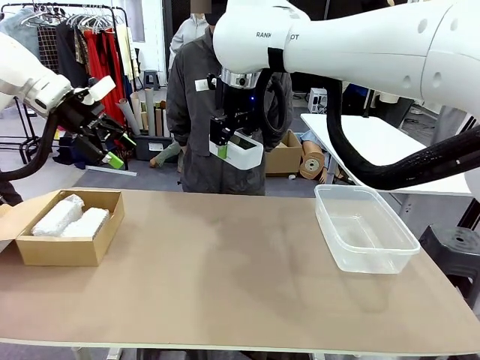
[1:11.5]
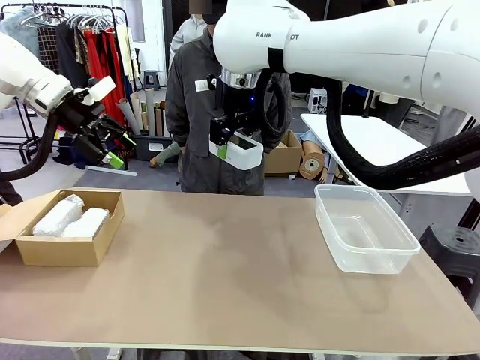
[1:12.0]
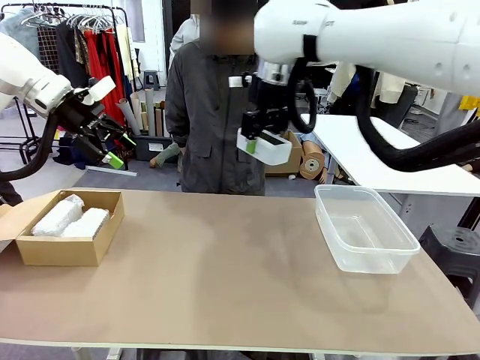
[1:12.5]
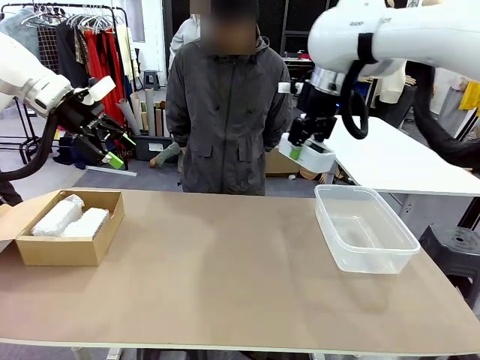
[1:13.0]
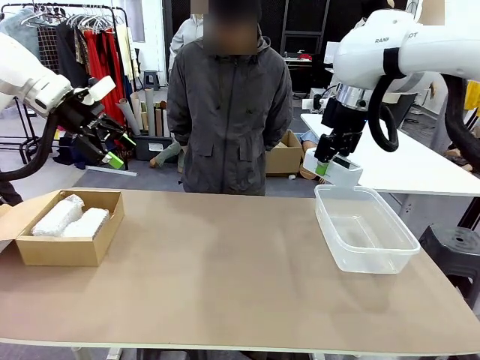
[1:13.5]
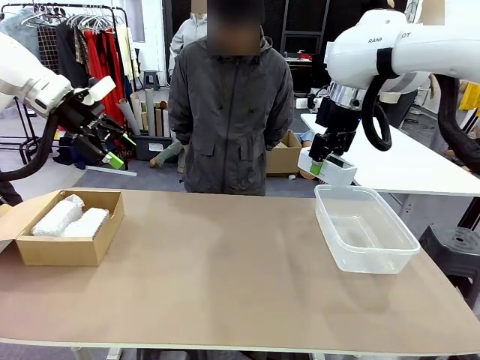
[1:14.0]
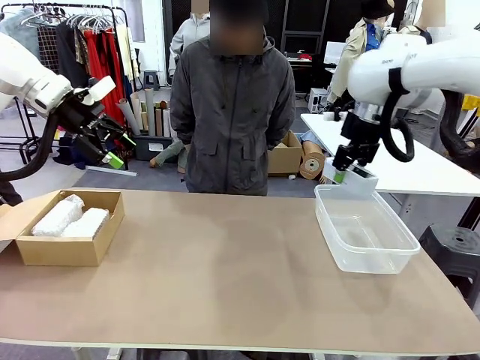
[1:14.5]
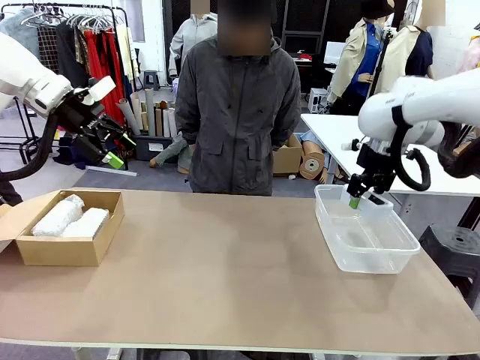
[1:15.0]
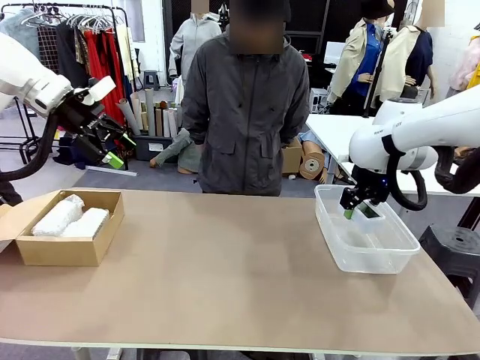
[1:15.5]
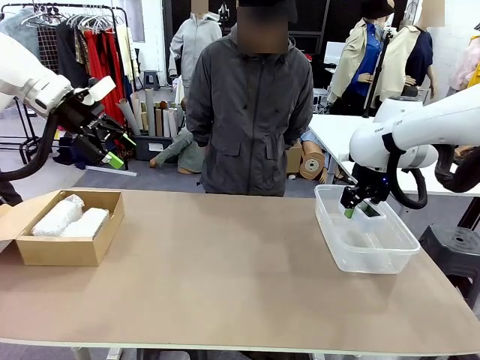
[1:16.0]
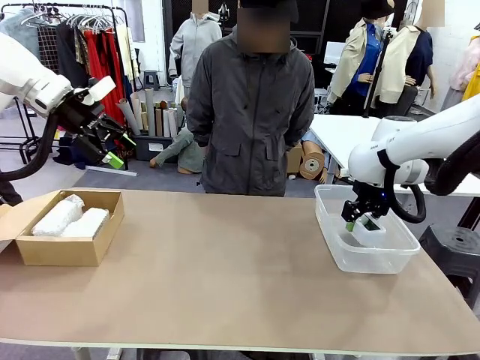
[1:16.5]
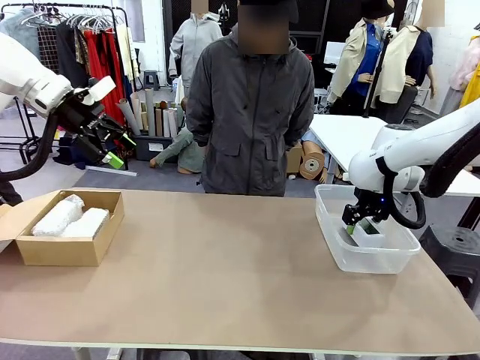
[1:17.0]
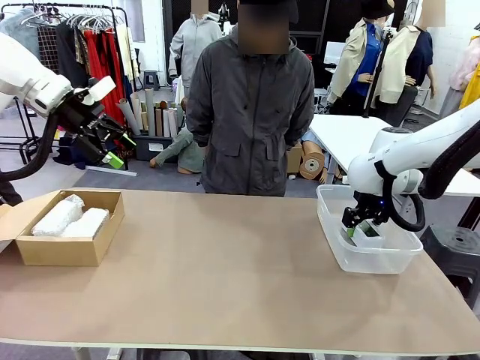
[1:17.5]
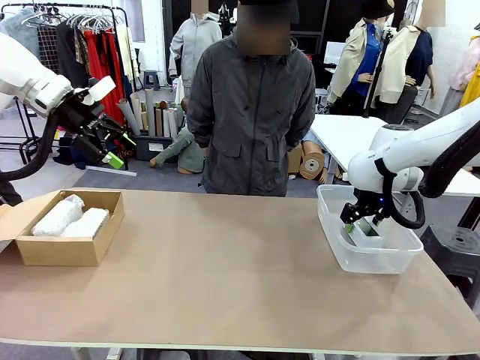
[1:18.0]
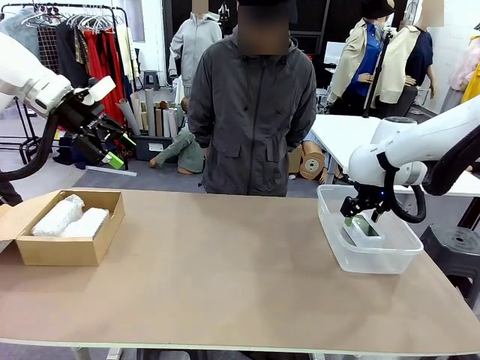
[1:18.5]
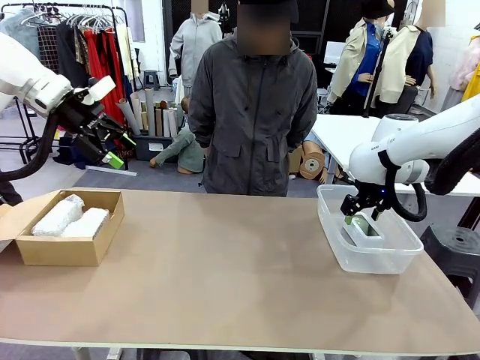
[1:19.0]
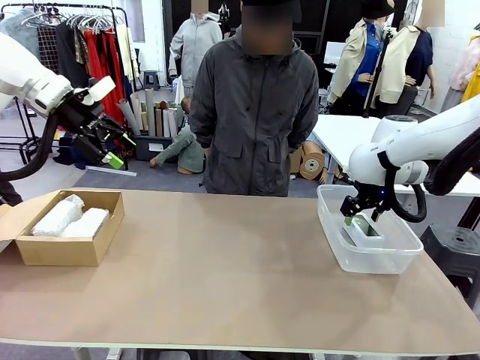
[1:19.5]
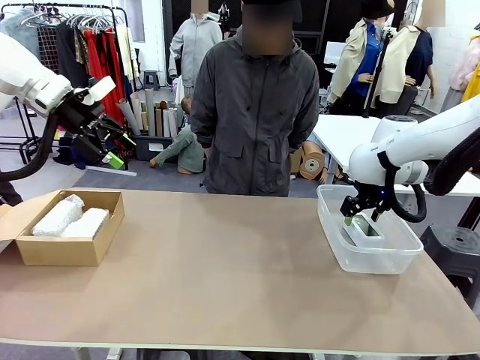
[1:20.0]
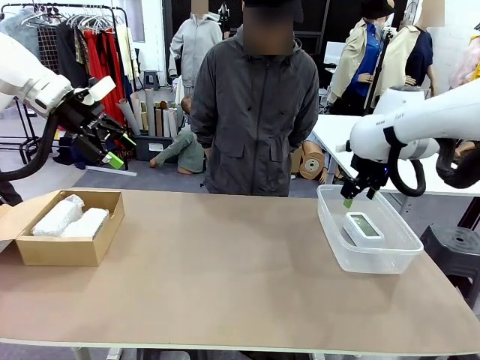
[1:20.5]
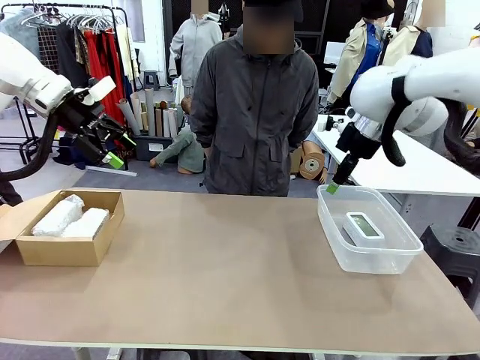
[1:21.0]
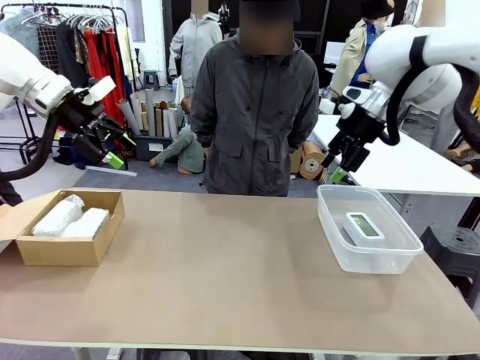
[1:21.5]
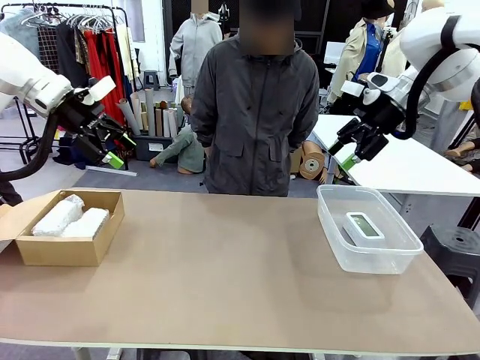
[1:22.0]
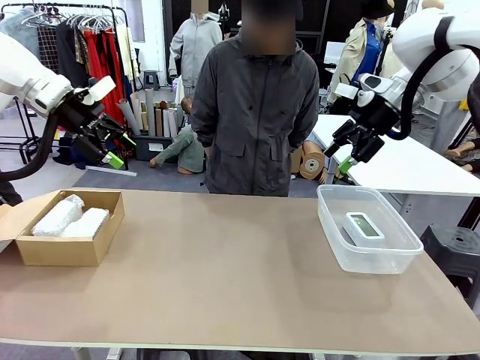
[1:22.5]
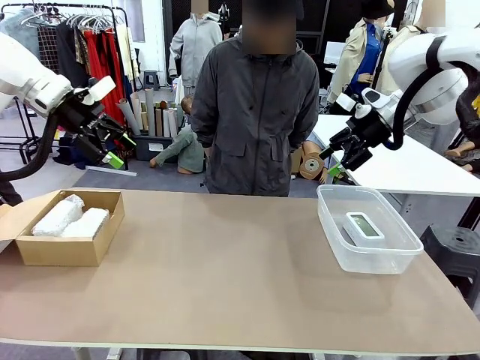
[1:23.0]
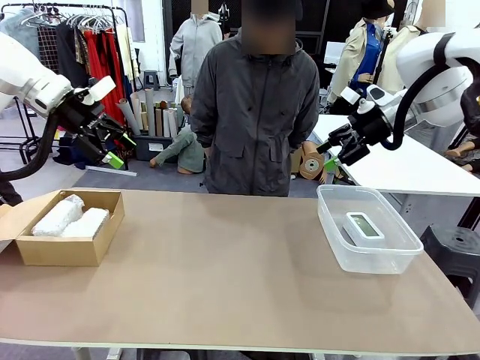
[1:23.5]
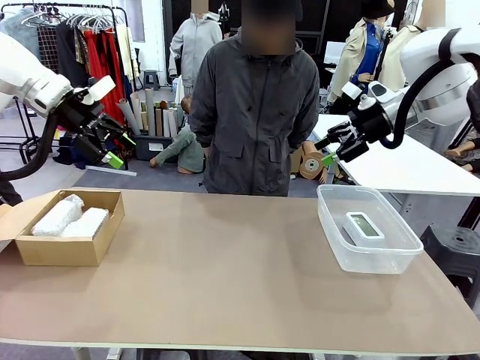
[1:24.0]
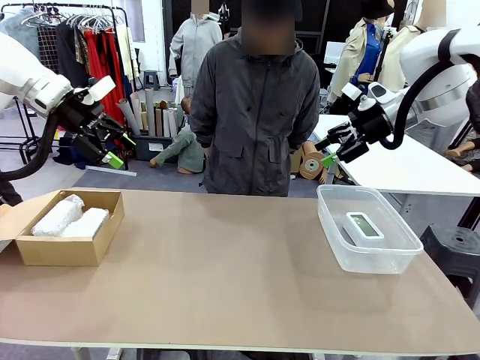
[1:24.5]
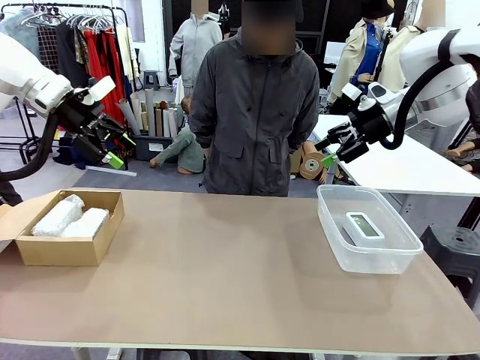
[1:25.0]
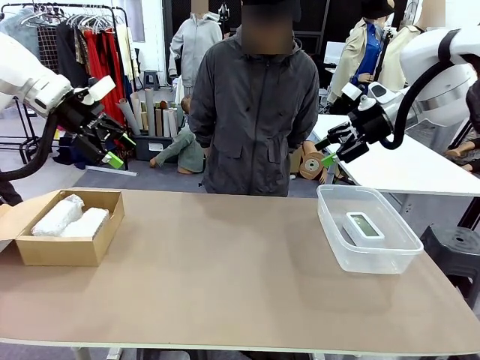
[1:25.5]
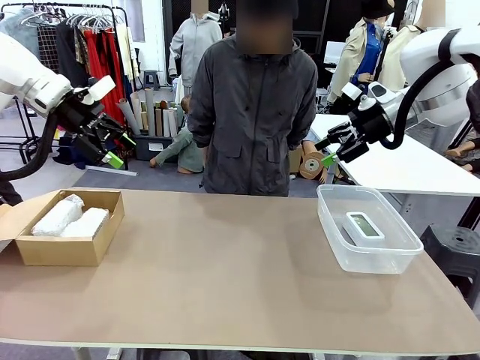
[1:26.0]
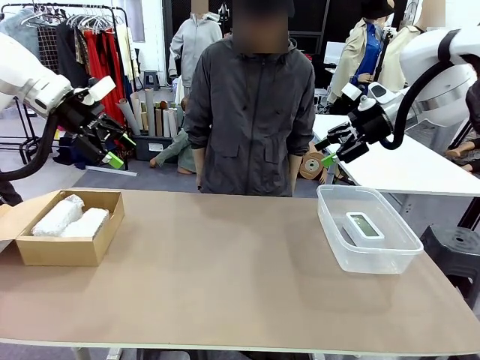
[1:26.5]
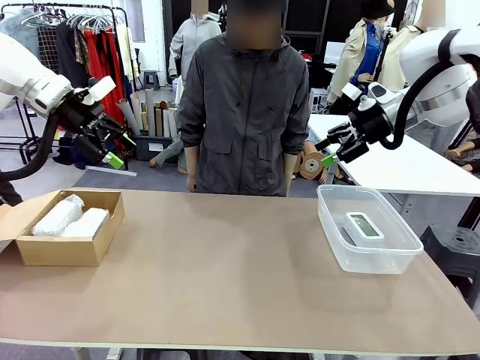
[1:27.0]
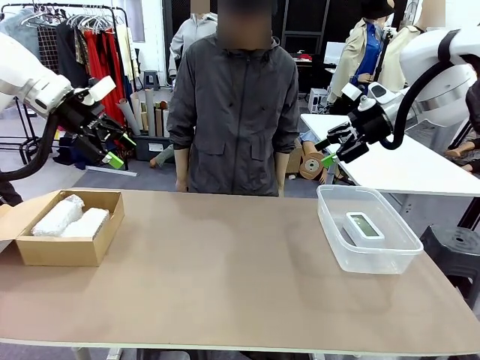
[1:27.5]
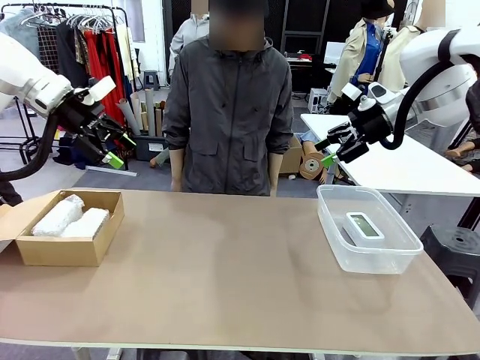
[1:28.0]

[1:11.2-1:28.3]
Task: Separate and place wrapped and unwrapped clocks.
Robot: If the picked Digital clock is wrapped, place it in the Package Box ; if not, place it in the Organizing box.

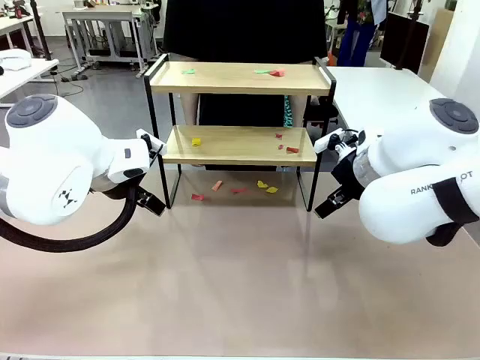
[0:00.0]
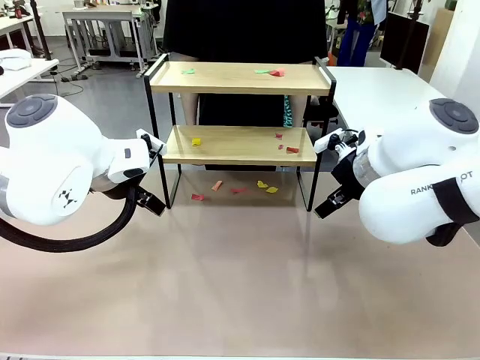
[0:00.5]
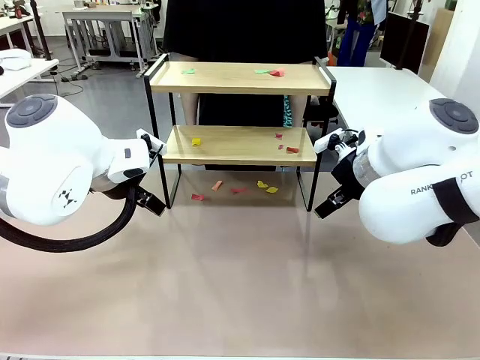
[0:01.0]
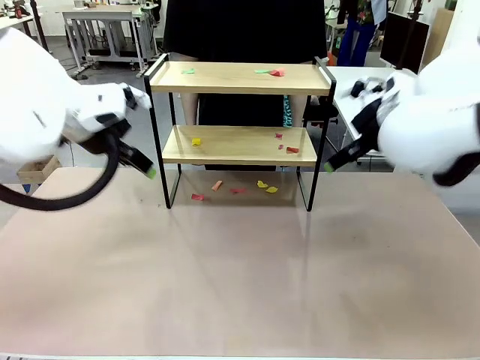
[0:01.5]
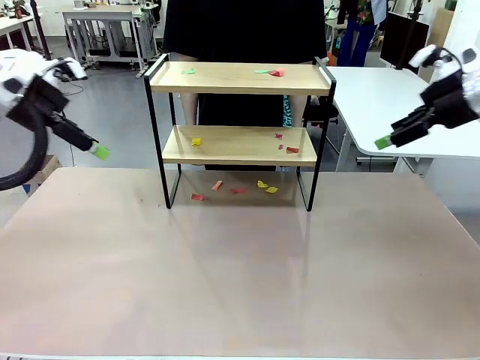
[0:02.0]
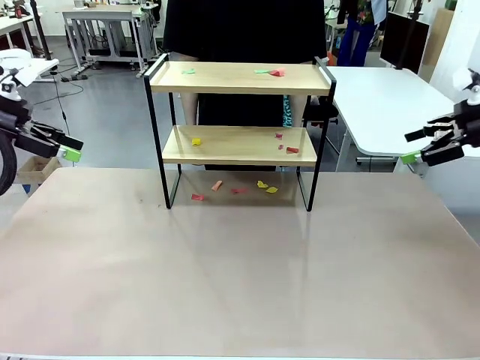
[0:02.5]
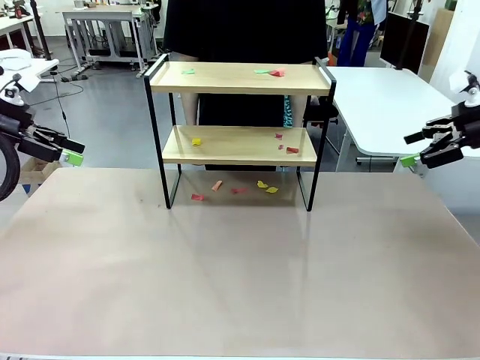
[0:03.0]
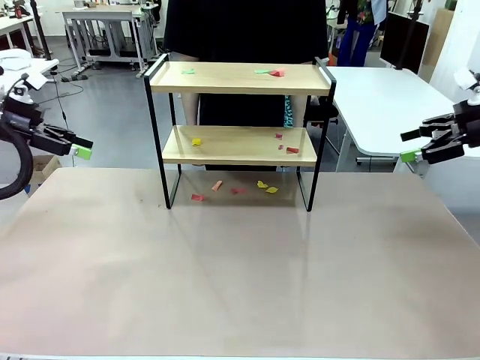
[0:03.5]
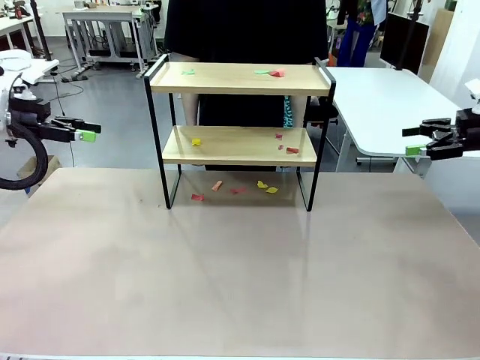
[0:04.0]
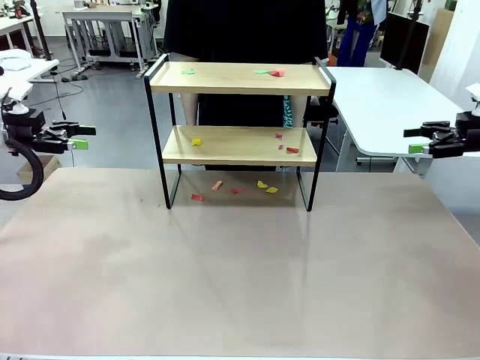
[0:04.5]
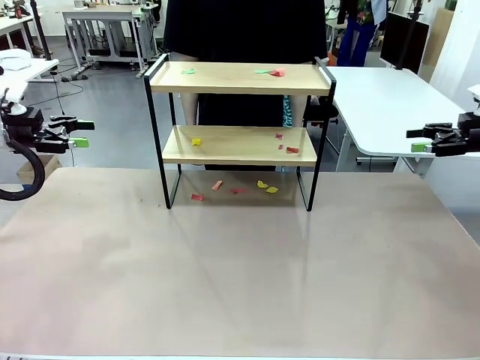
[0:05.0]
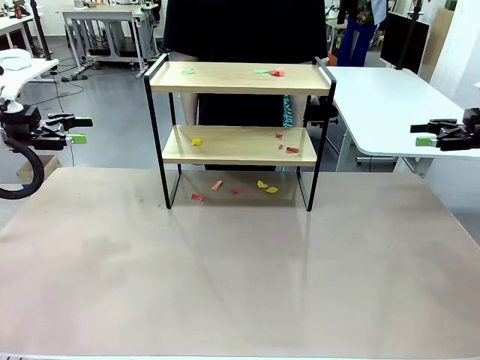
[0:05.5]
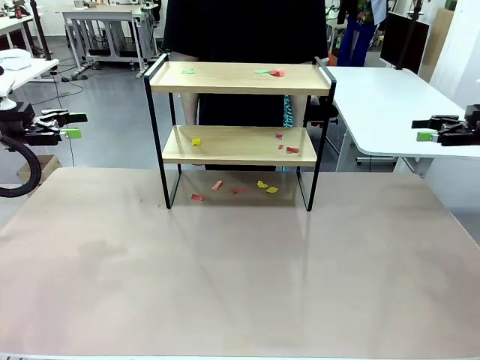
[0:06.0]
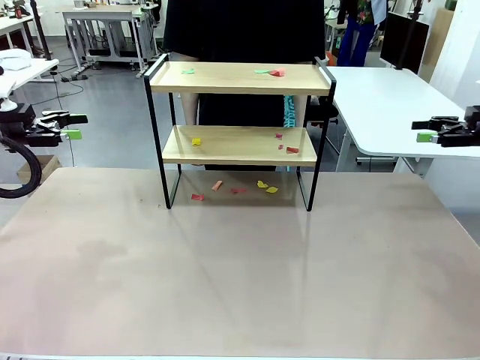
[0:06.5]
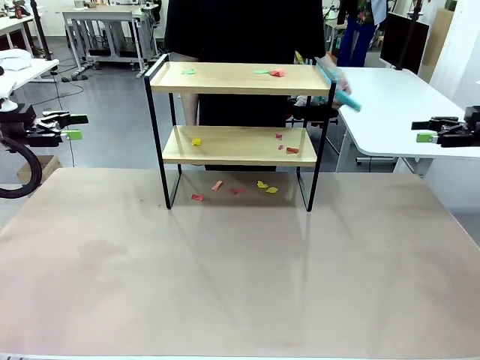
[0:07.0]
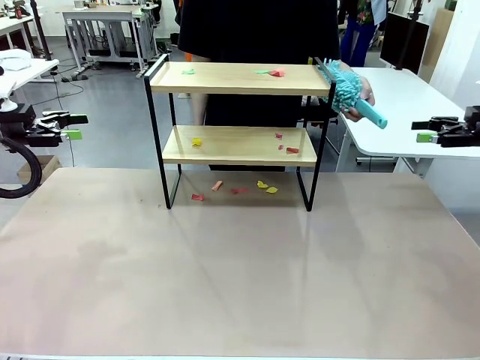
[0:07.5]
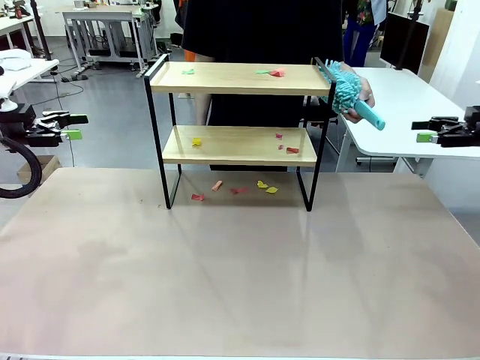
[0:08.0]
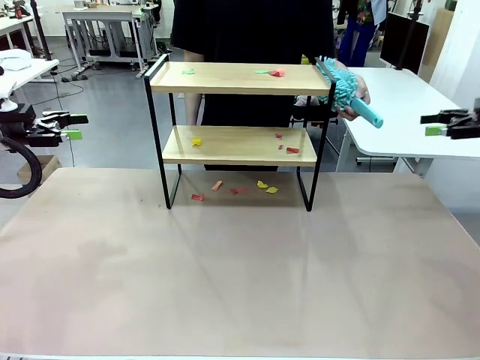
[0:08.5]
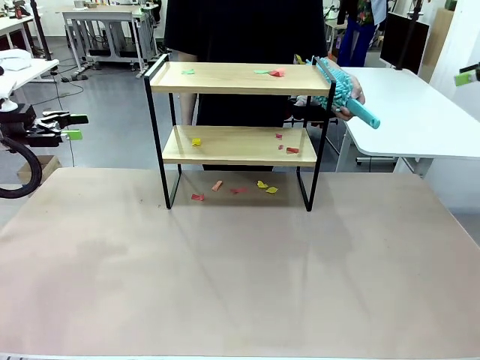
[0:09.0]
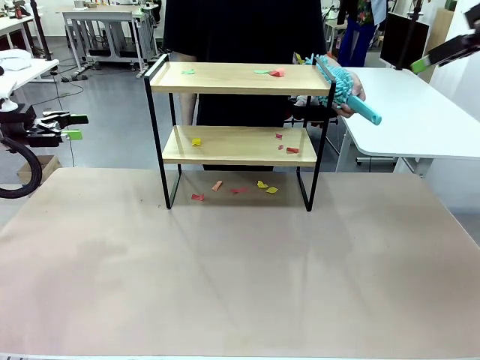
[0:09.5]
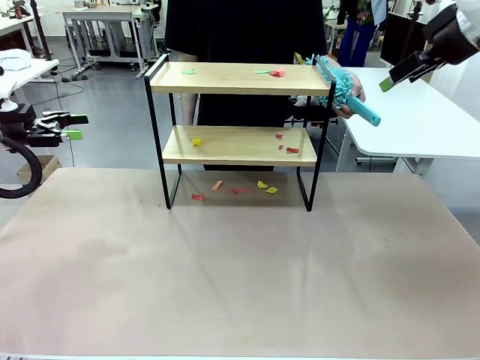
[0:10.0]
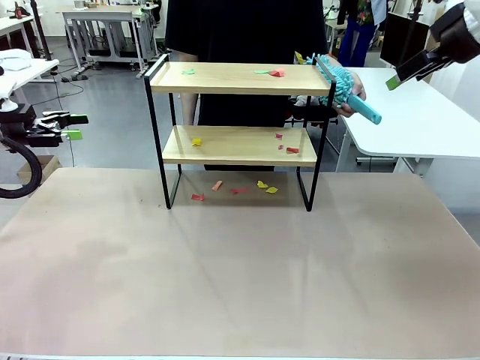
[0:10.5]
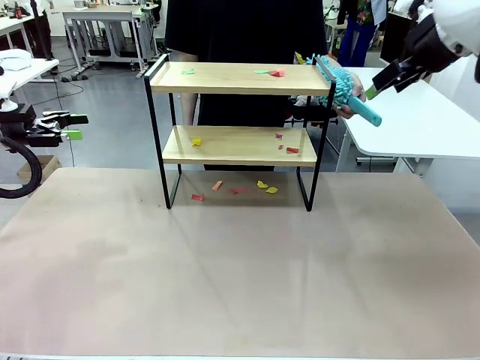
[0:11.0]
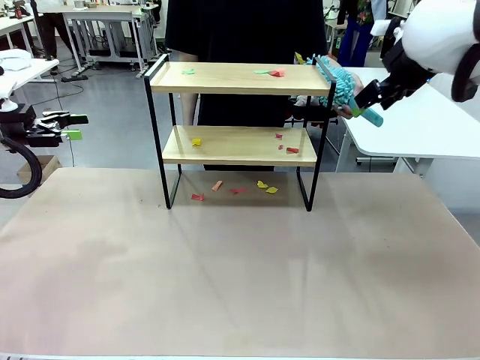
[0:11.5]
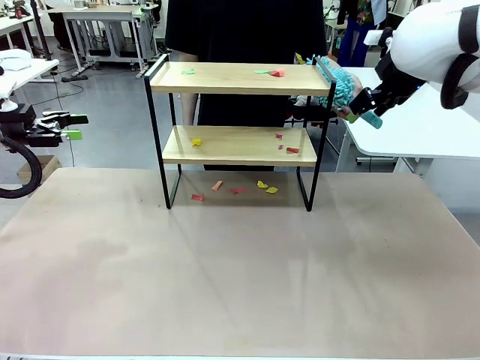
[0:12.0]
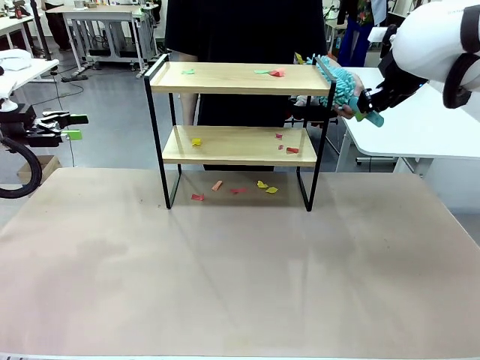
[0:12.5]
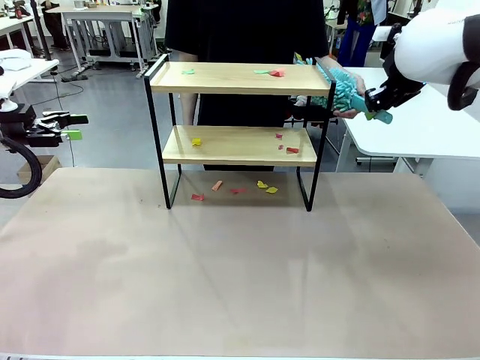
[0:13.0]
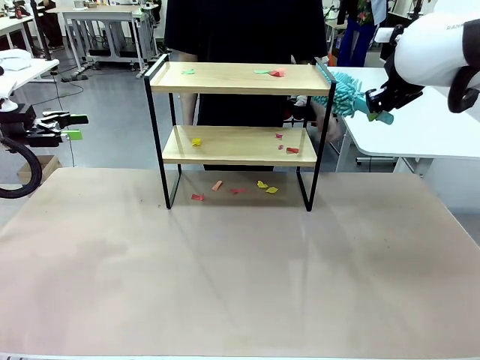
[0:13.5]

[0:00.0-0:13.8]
Task: Clean the shelf.
Robot: Pick up the Duster handed by the human.
Person: Hand the Duster to the robot.
